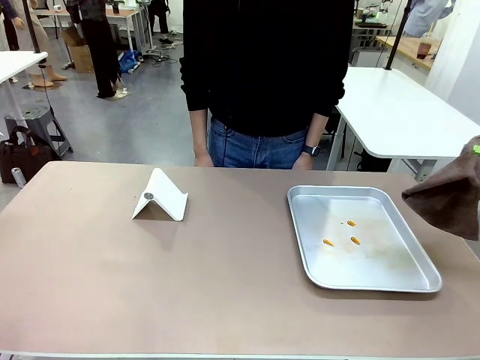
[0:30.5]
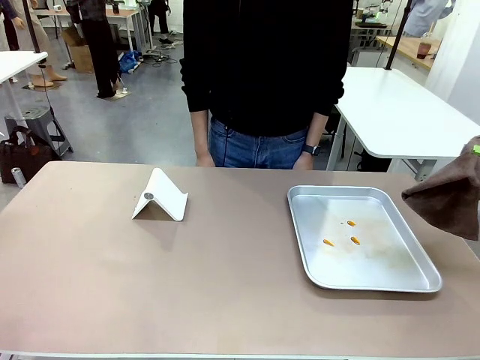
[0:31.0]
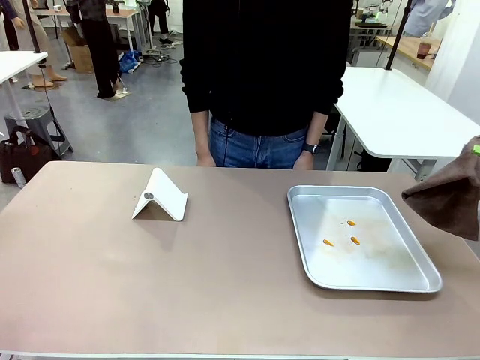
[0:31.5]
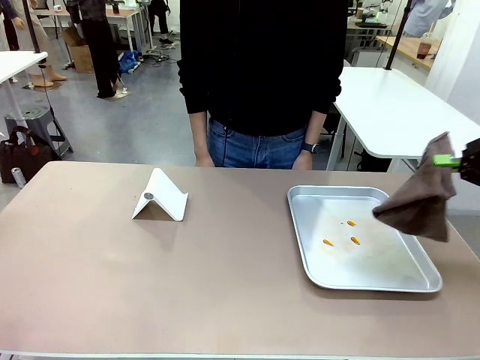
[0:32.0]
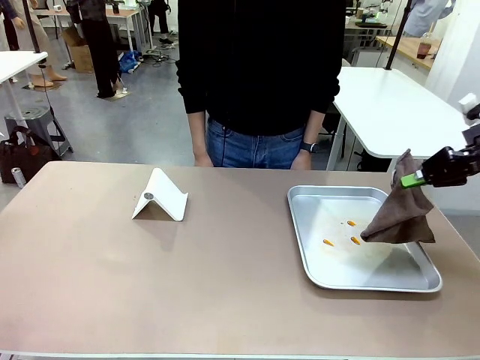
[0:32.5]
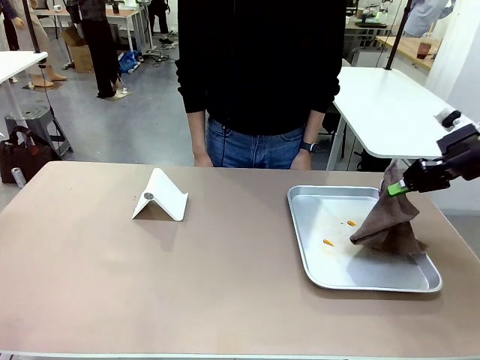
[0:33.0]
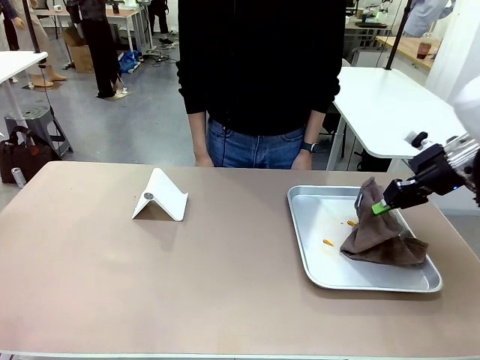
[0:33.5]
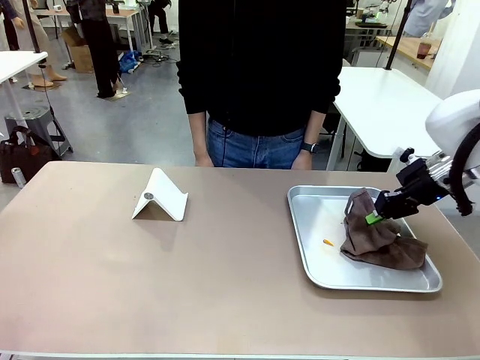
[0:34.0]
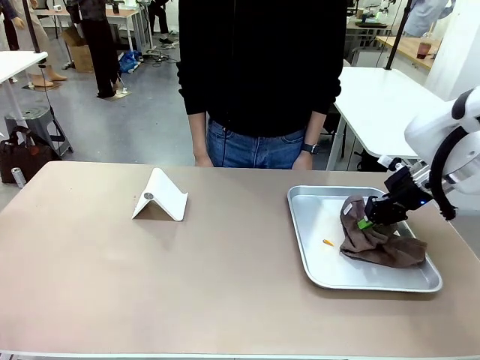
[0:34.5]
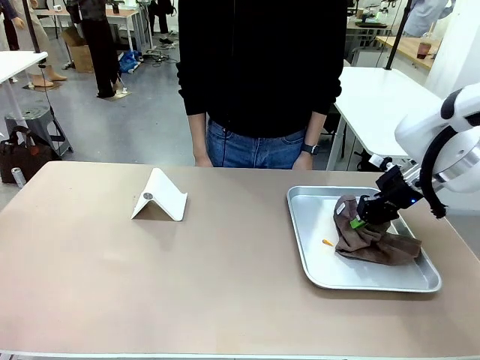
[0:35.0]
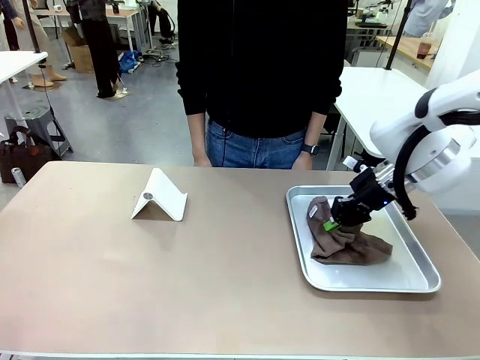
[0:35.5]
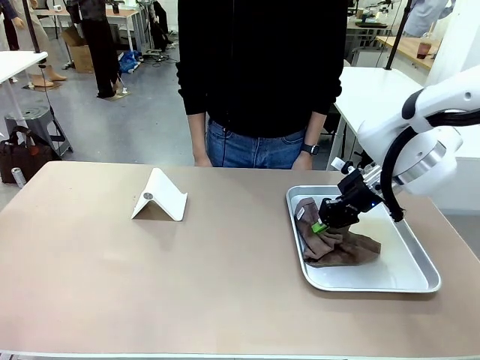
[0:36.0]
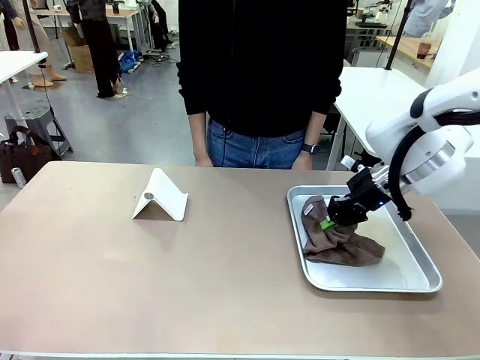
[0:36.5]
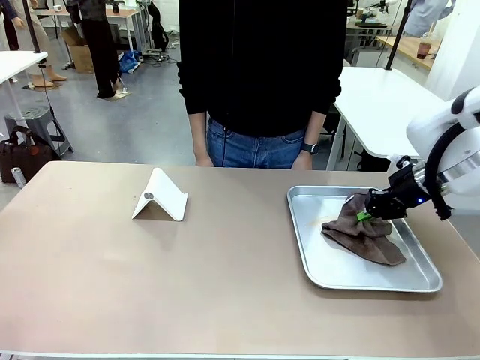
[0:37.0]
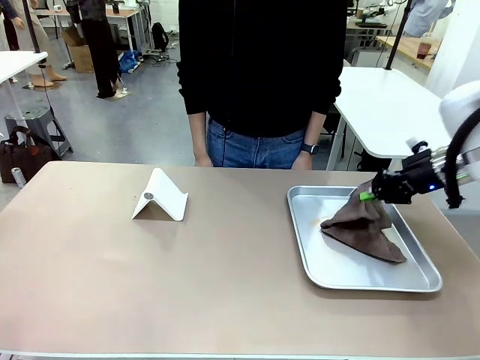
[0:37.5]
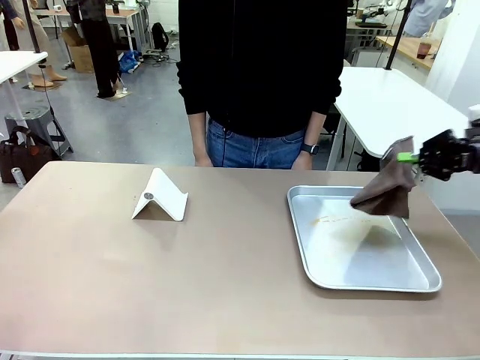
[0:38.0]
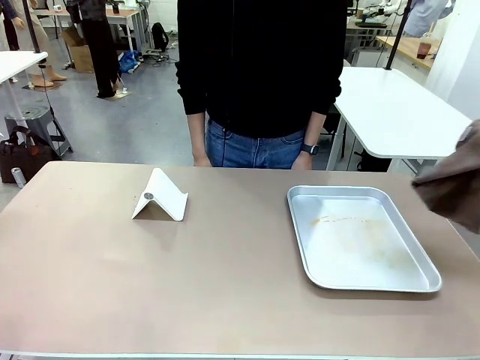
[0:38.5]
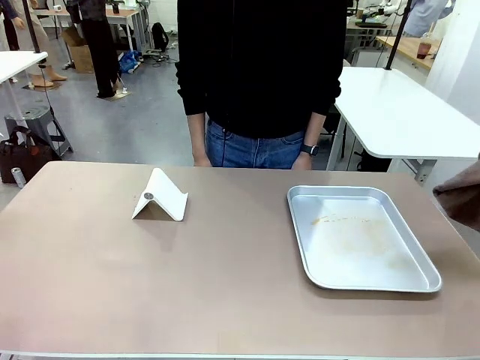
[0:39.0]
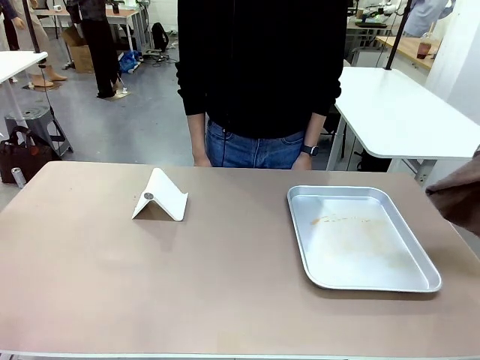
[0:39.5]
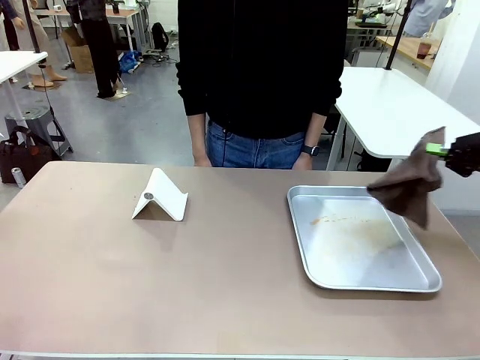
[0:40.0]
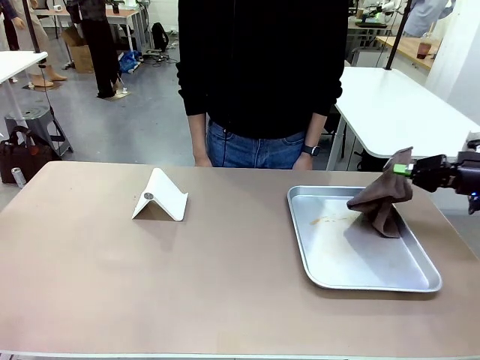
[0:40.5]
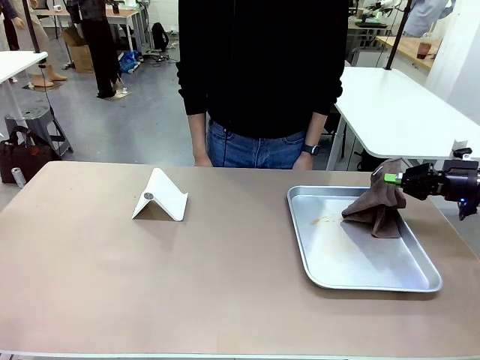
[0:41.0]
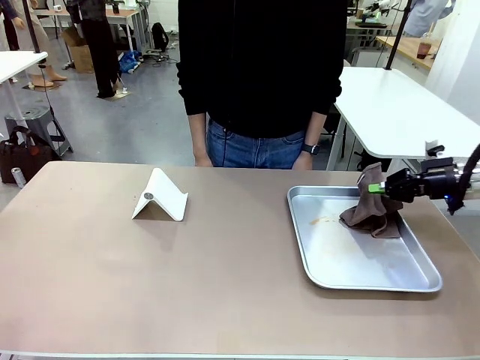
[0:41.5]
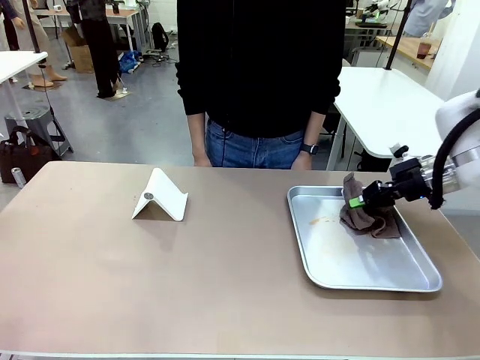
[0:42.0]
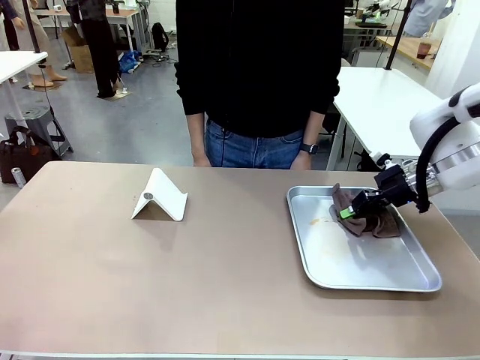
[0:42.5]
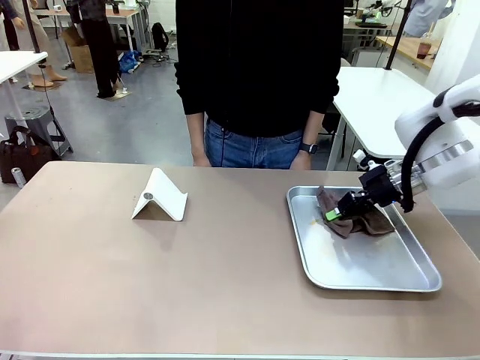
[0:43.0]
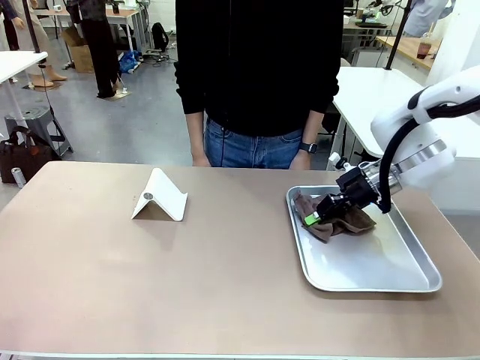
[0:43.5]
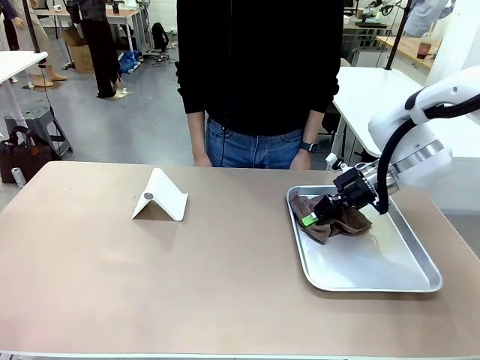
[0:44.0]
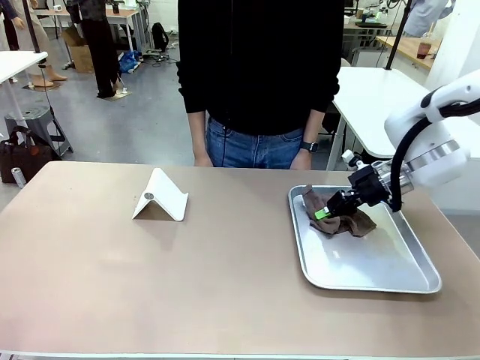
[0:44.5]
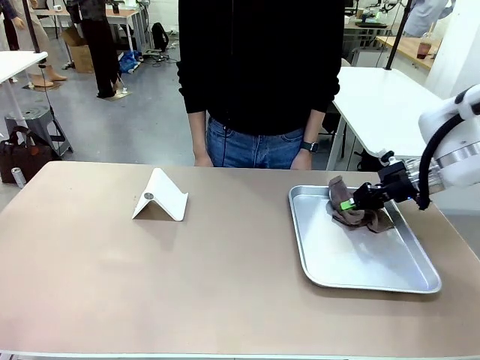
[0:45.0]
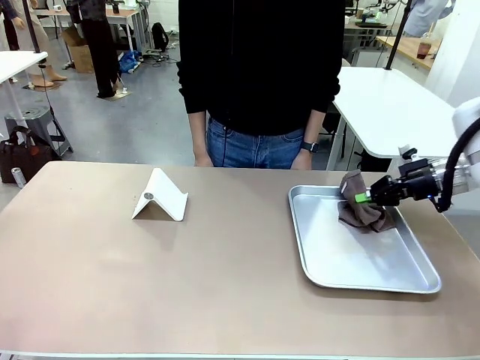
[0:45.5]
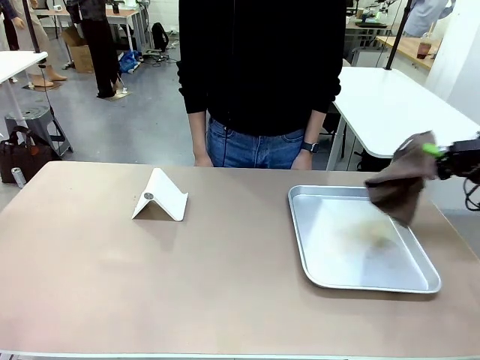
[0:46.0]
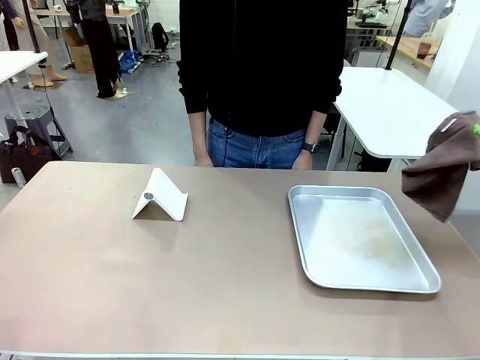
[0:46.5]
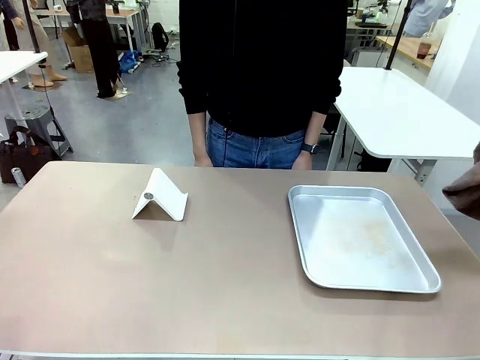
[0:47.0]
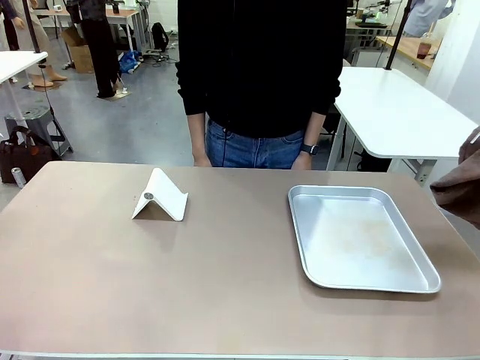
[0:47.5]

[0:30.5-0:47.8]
Task: Clean the surface of the table.
Robot: Clean the area not pointed to by the person.
